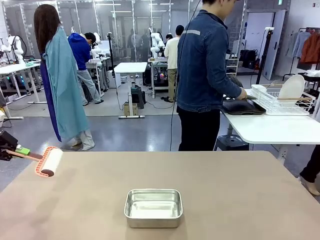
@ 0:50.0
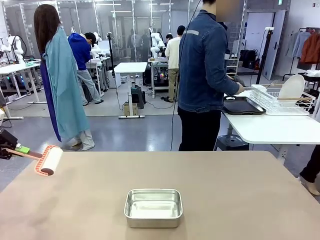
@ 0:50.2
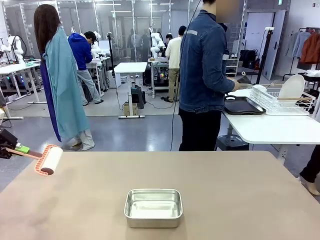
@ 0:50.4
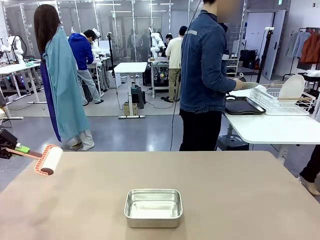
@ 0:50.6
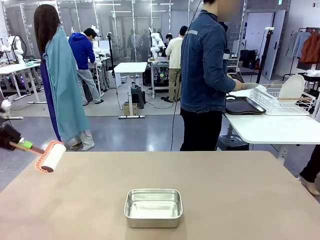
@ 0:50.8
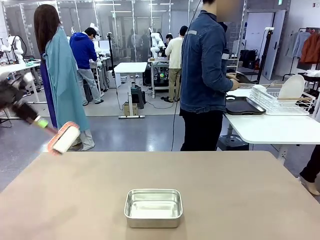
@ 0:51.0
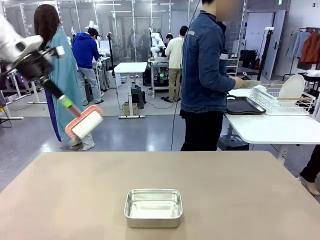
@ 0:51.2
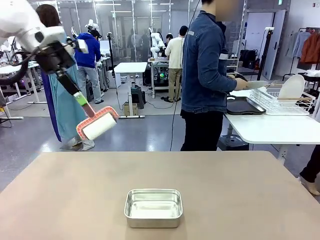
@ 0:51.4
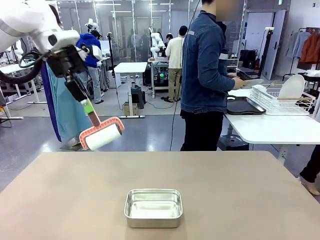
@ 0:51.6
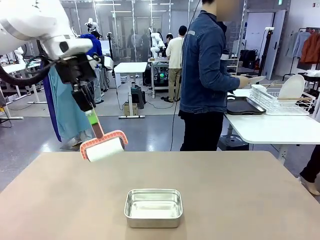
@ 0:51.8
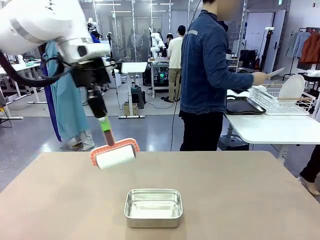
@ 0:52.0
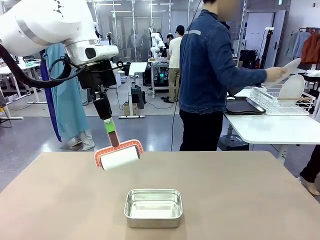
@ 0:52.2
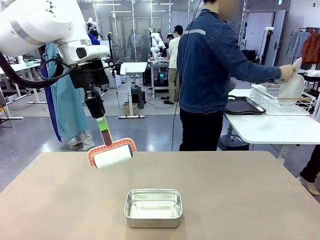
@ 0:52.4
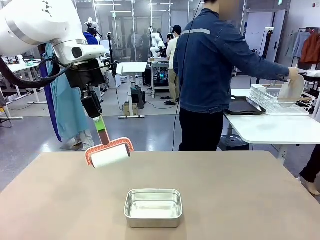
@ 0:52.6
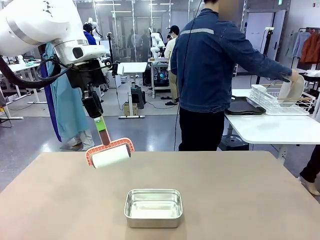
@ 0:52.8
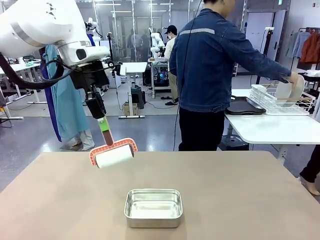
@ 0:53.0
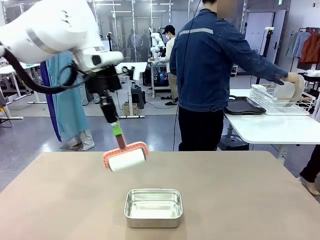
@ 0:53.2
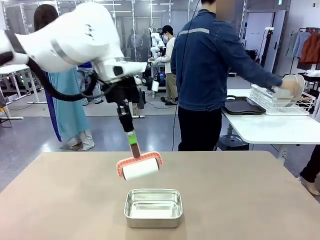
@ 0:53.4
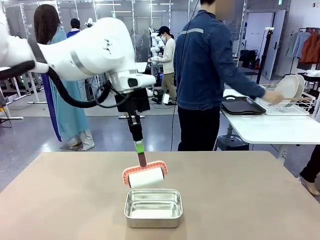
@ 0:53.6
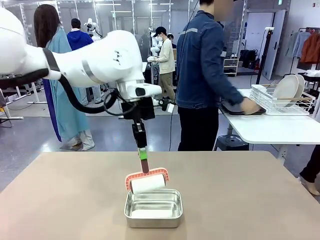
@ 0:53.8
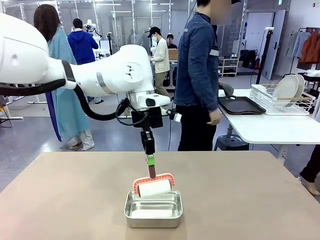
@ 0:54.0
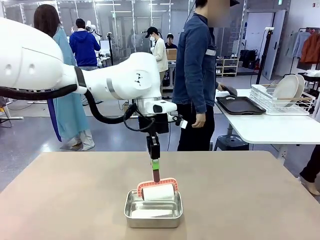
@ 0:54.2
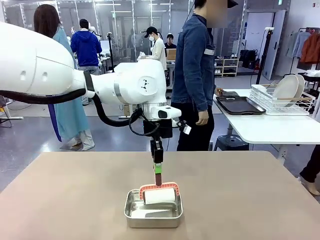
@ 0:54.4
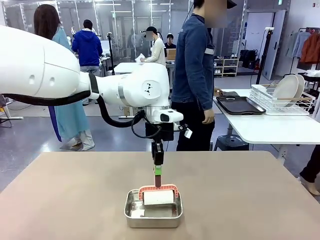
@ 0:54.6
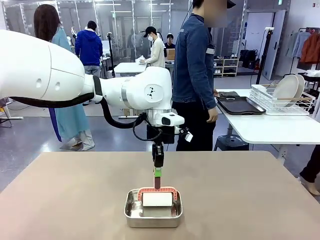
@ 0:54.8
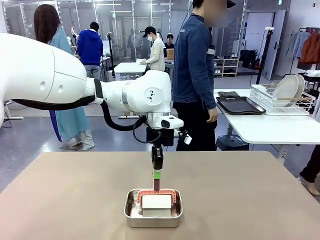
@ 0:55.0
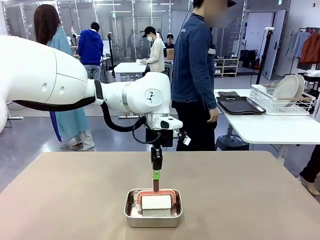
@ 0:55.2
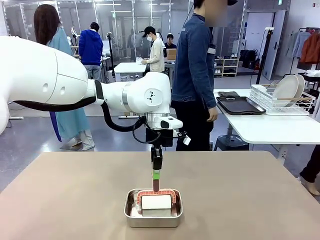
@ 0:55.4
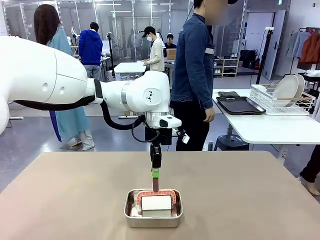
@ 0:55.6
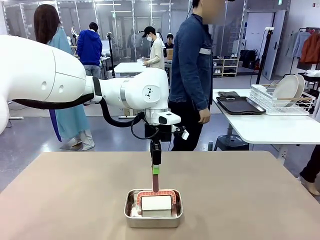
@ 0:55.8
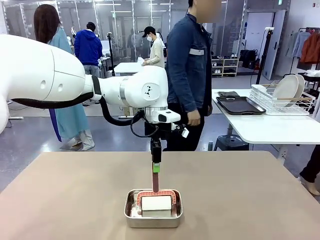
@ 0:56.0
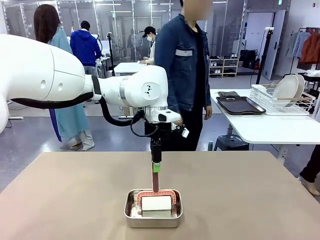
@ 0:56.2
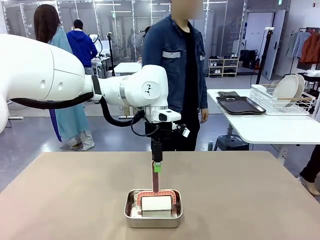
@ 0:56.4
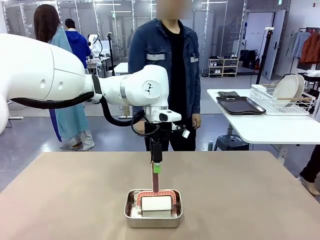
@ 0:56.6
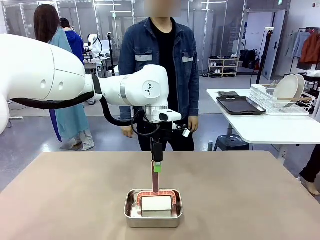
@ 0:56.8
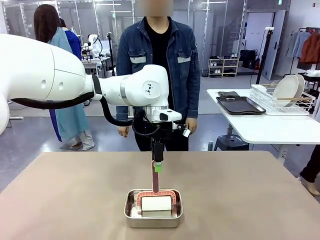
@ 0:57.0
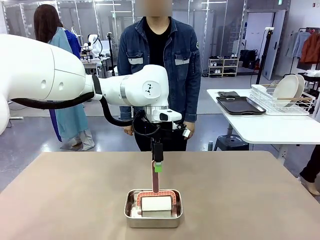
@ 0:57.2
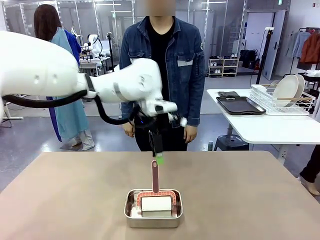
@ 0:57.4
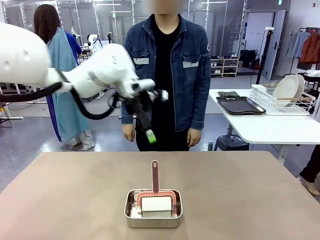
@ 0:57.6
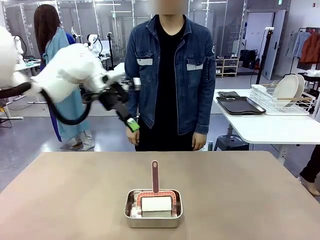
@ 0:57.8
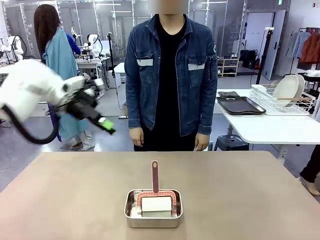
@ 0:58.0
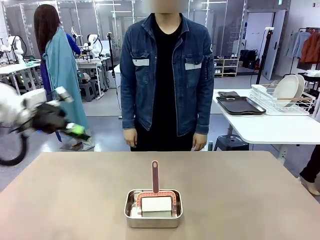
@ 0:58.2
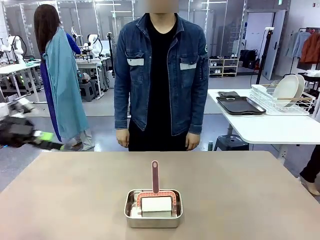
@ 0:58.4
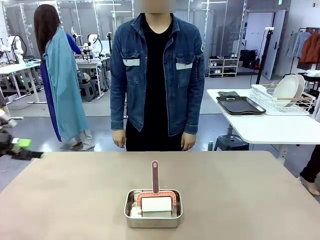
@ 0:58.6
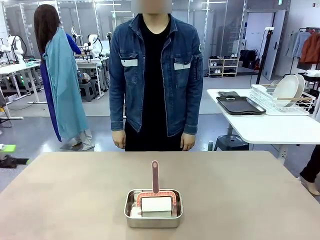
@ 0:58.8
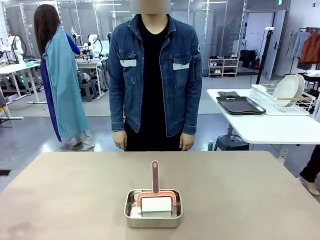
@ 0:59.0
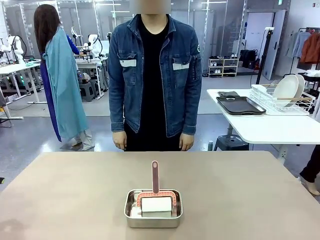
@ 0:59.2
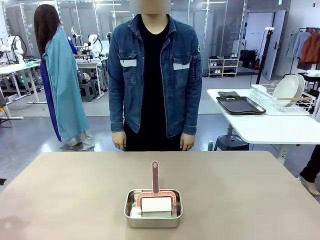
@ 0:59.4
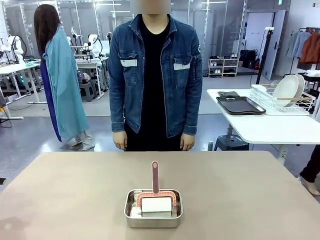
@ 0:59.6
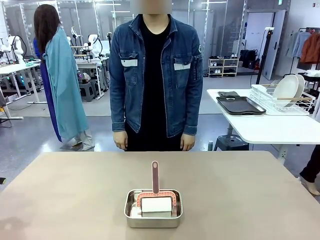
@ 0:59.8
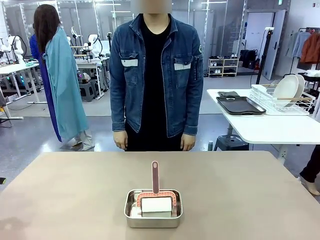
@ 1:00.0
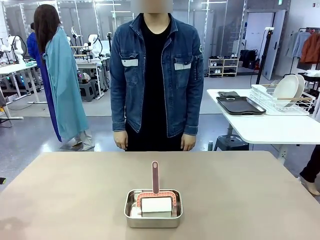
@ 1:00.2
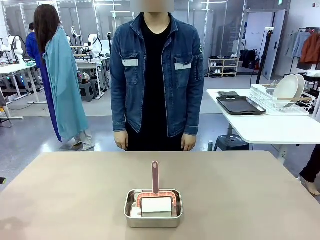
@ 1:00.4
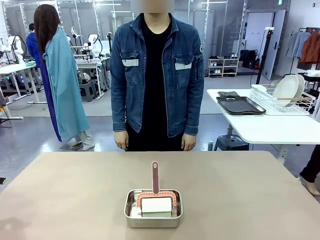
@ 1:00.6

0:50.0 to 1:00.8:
Robot: Place the Lint Roller back on top of the Airtight Container.
